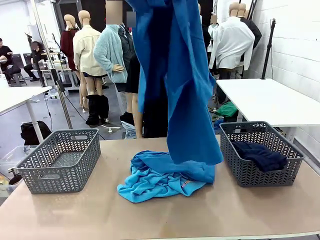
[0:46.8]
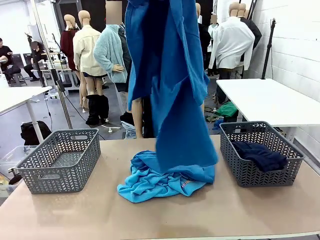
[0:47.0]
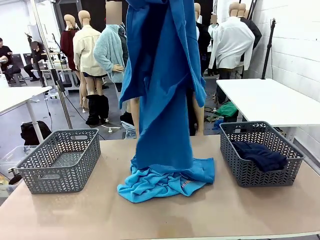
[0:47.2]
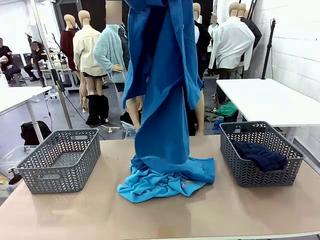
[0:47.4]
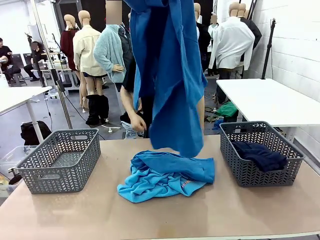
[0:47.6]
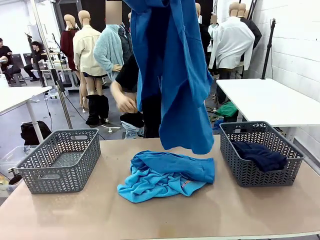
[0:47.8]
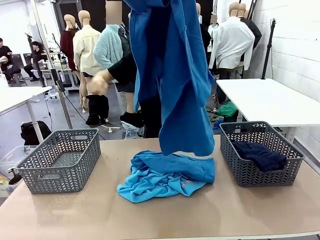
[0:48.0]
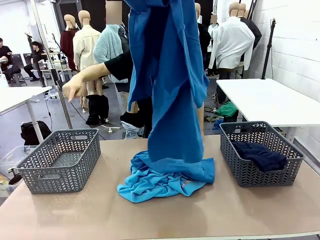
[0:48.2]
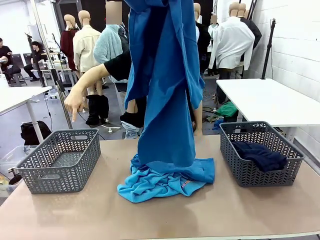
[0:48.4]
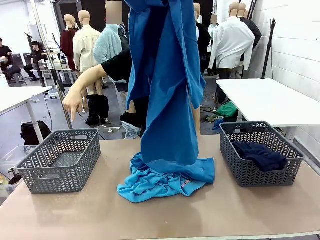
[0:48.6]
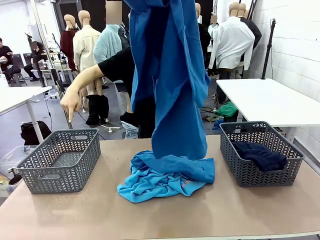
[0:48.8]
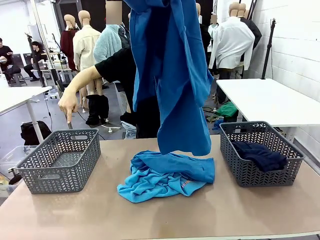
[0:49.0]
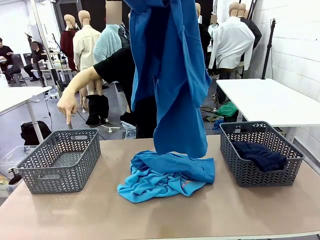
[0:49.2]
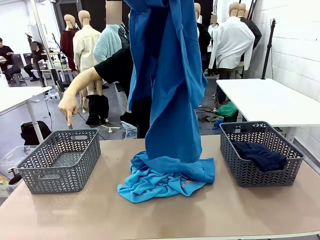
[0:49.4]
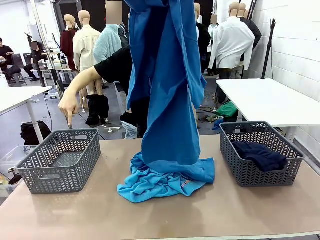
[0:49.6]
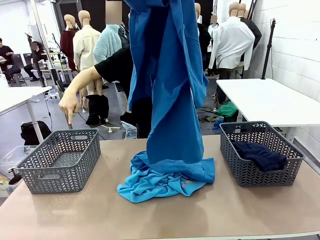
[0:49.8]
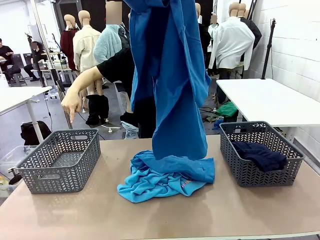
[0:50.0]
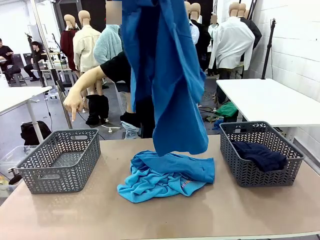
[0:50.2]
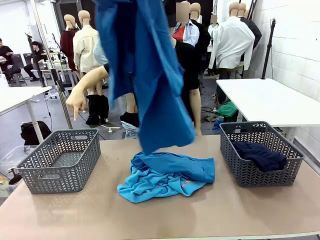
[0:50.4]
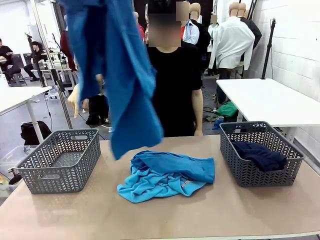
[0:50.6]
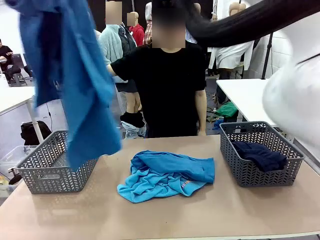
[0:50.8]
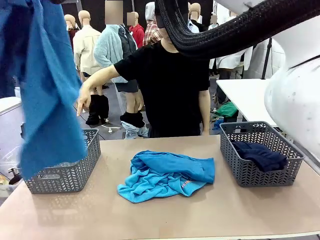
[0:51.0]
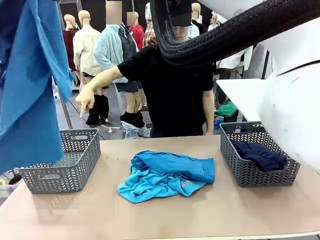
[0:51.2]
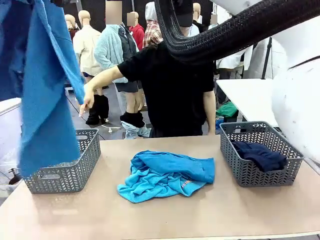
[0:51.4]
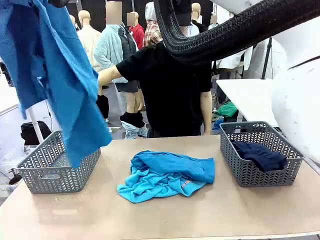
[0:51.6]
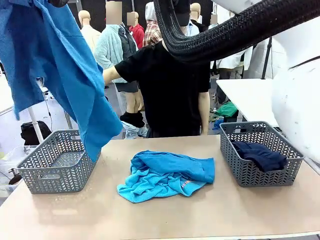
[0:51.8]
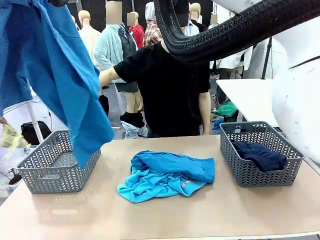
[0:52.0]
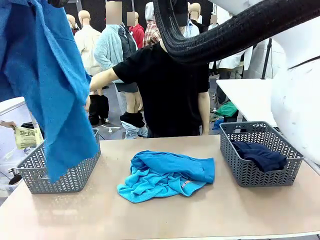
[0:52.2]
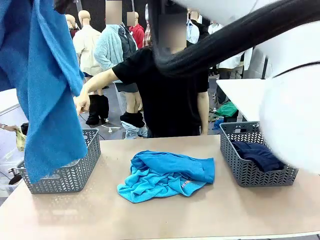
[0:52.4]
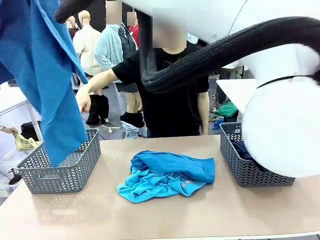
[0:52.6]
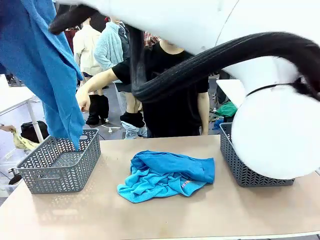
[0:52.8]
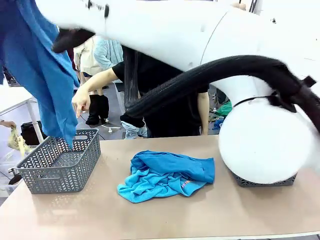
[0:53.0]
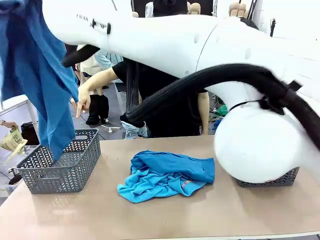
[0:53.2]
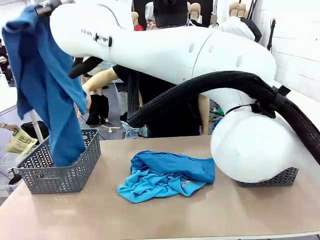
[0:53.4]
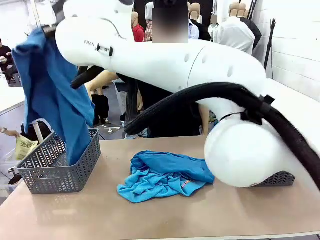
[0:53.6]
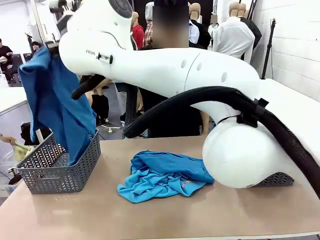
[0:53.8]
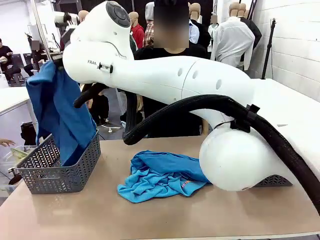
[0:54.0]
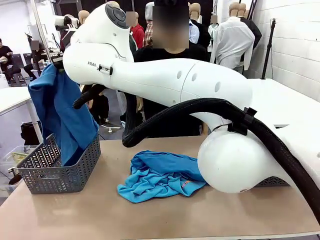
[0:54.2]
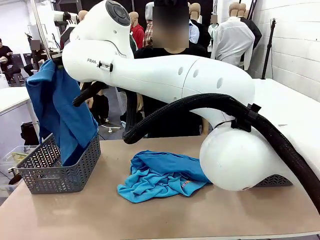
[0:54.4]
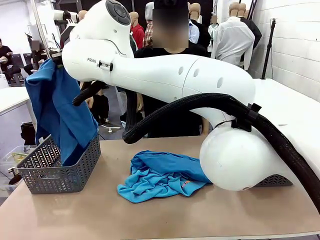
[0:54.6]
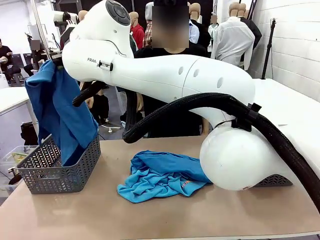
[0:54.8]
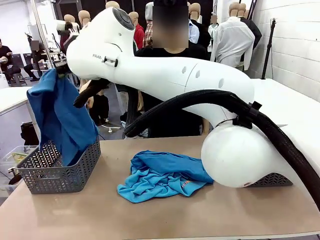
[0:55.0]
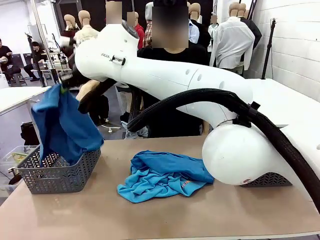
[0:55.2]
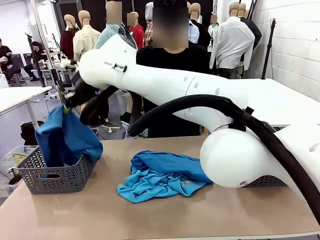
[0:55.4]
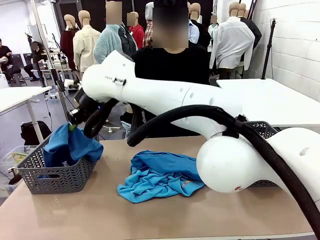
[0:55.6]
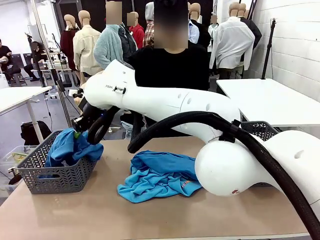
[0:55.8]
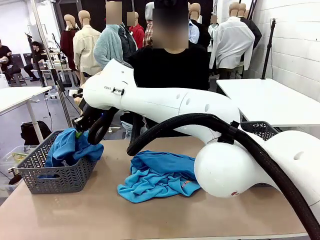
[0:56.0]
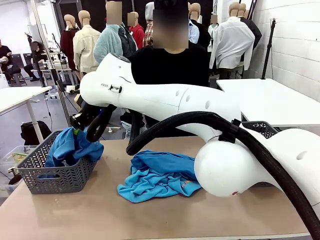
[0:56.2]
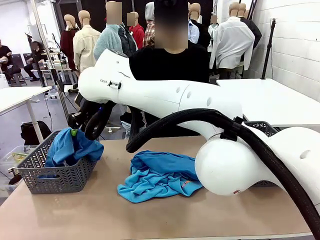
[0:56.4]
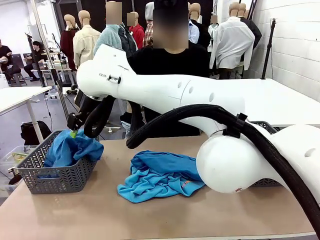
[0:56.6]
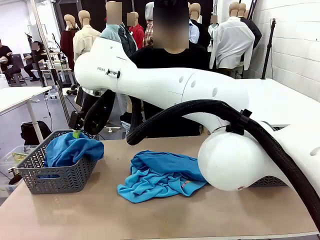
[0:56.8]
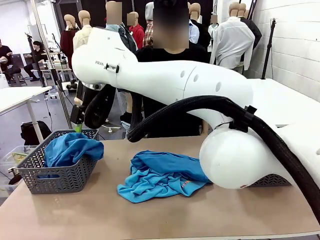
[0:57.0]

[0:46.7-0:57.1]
Task: Sort the tops and bottoms.
Robot: Sort the clothes according to human instructions.

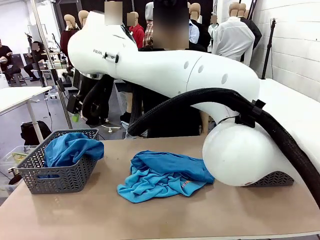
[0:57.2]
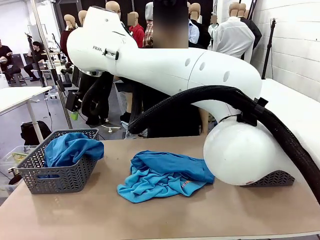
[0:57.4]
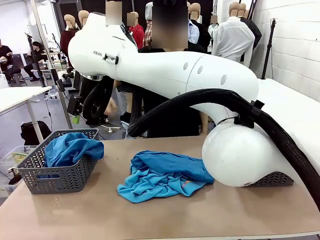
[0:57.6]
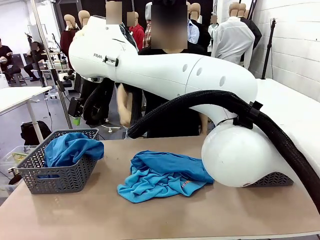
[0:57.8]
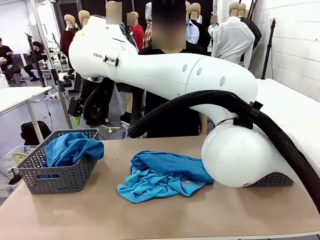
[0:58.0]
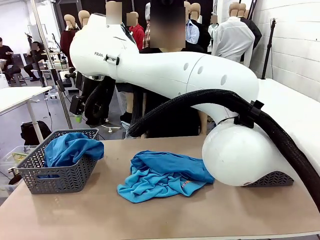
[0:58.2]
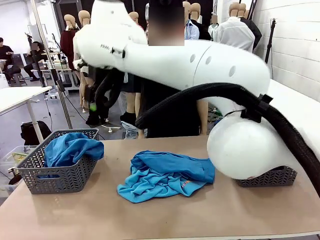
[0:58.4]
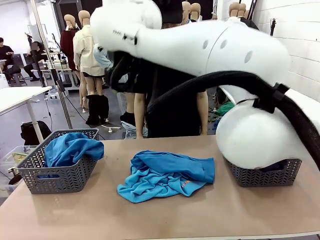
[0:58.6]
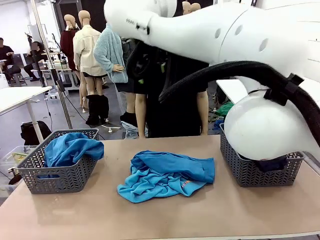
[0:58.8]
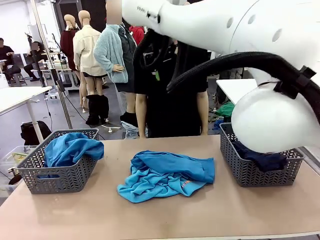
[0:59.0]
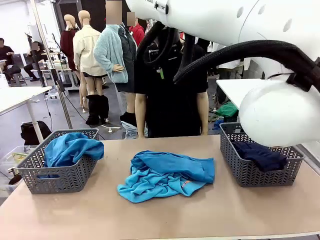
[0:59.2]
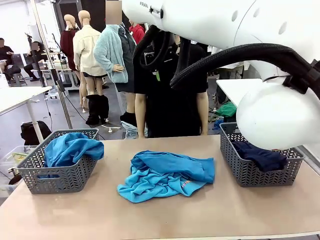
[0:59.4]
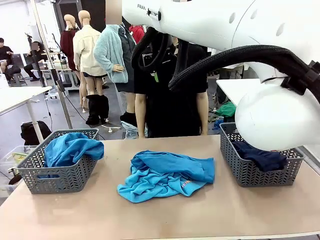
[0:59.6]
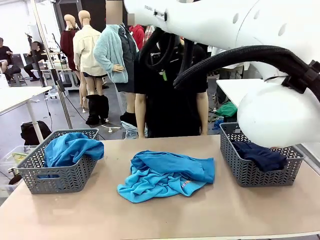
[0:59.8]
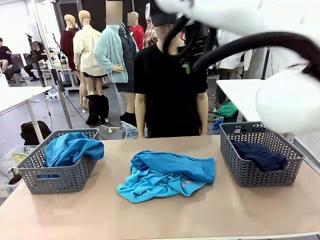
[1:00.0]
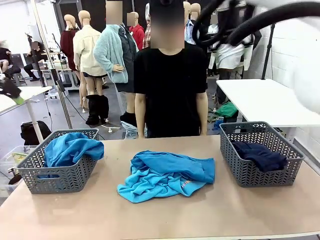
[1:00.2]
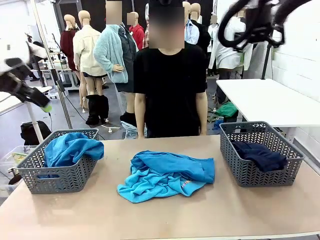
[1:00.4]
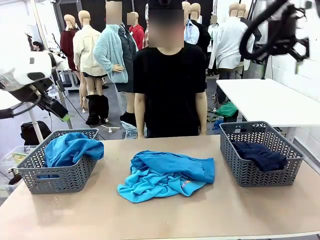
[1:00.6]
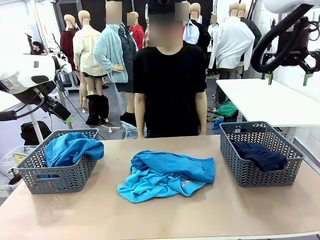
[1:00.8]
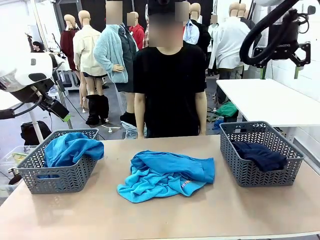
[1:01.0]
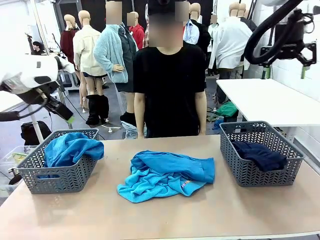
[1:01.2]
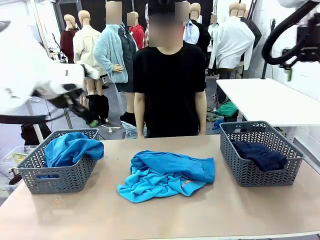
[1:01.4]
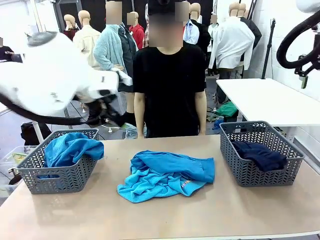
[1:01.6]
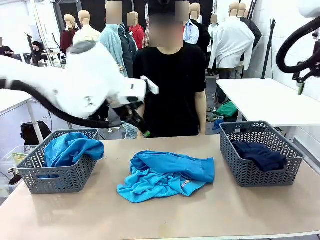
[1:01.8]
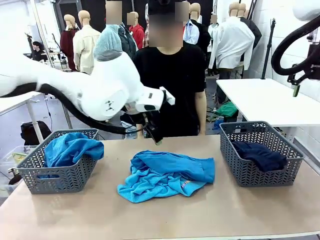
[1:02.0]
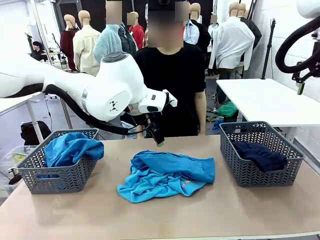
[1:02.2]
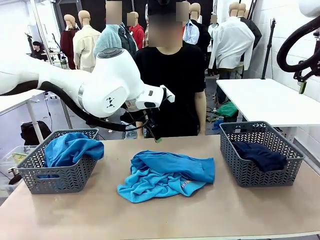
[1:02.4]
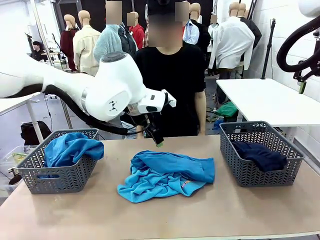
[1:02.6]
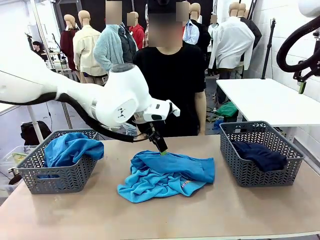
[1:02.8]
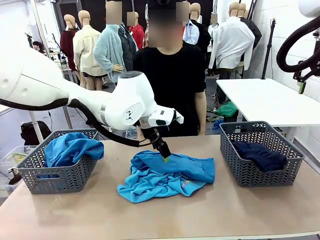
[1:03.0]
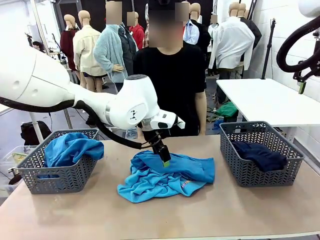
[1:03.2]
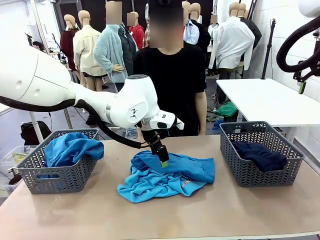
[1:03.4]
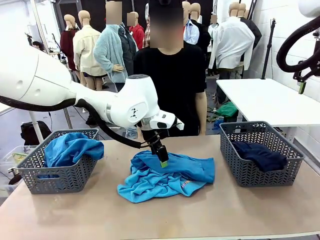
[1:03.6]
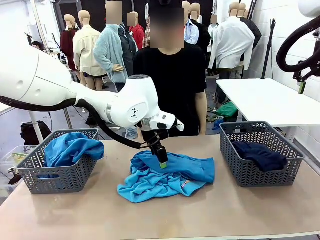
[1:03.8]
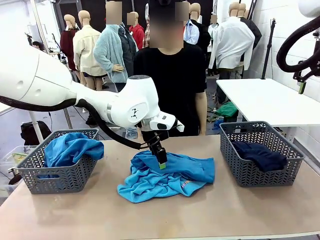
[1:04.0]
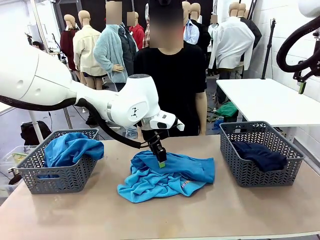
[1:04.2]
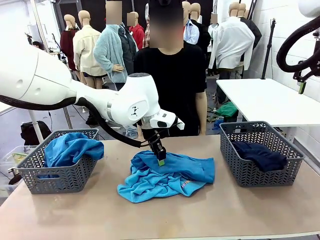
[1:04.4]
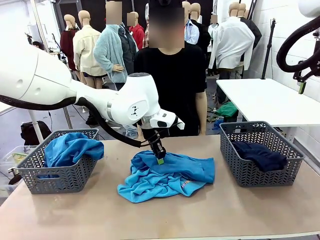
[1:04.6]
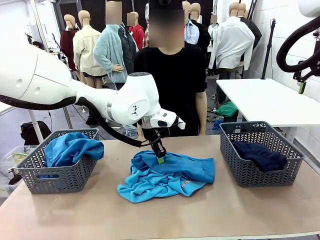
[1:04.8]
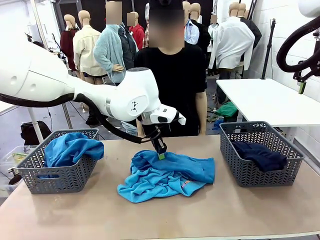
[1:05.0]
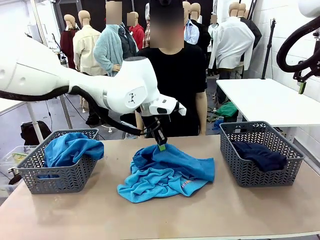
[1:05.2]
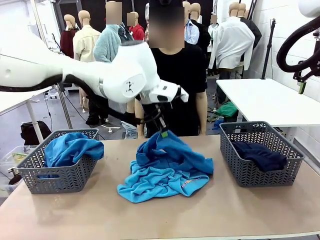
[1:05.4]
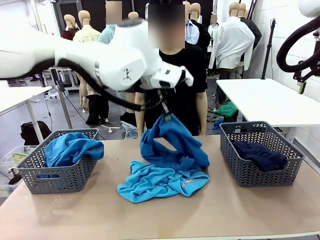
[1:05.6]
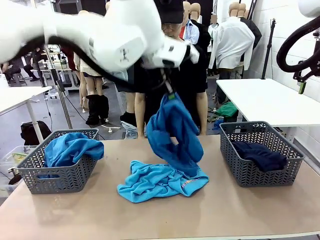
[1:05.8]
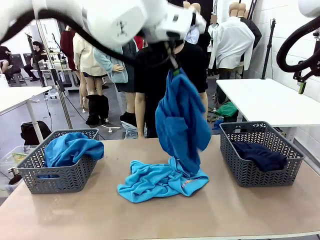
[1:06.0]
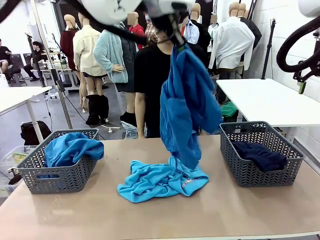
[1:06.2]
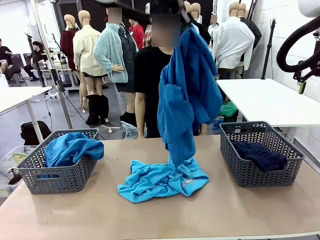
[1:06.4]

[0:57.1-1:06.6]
Robot: Lift clothes from the center of the table with your left hand.
